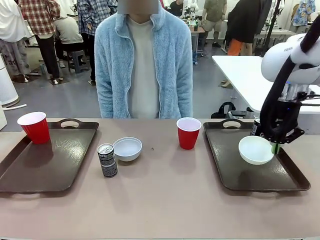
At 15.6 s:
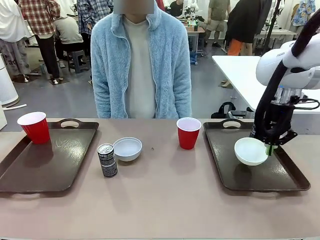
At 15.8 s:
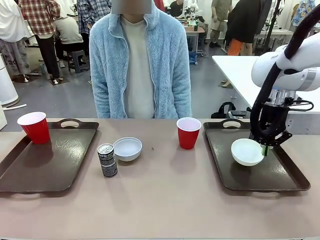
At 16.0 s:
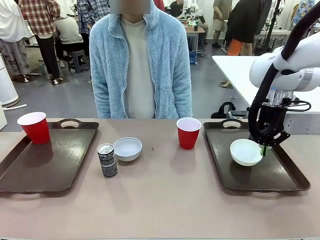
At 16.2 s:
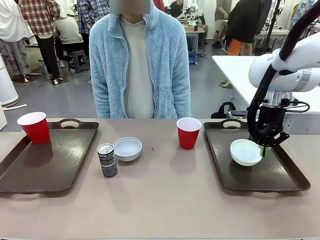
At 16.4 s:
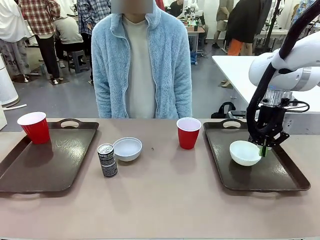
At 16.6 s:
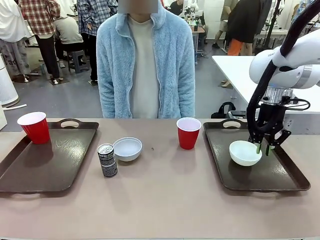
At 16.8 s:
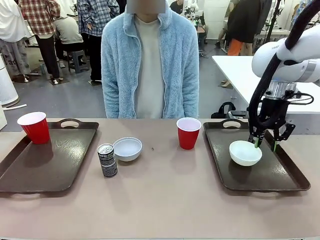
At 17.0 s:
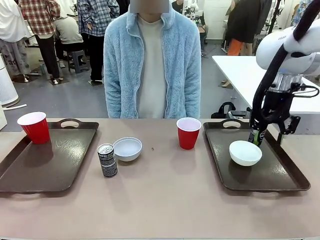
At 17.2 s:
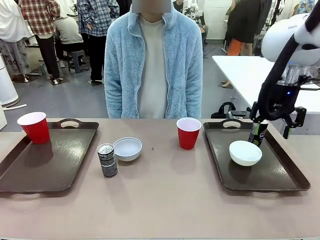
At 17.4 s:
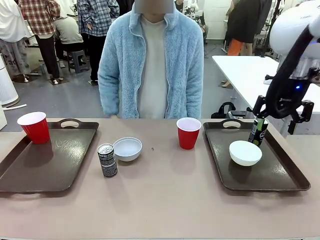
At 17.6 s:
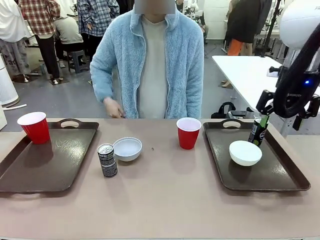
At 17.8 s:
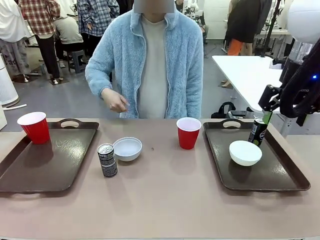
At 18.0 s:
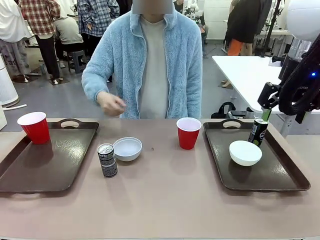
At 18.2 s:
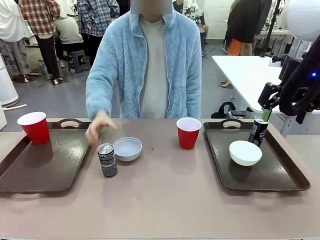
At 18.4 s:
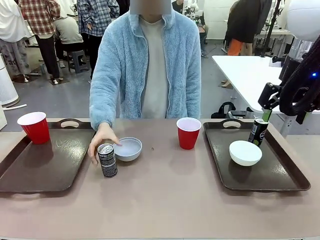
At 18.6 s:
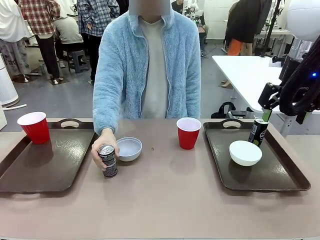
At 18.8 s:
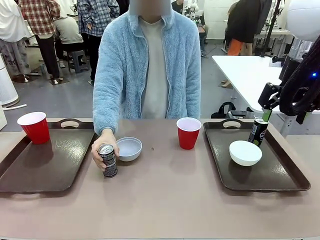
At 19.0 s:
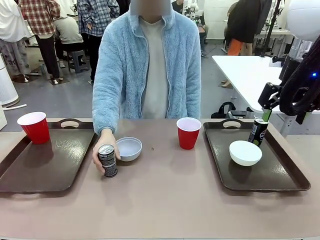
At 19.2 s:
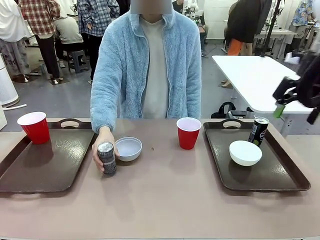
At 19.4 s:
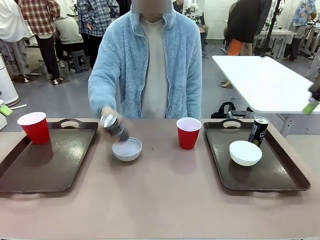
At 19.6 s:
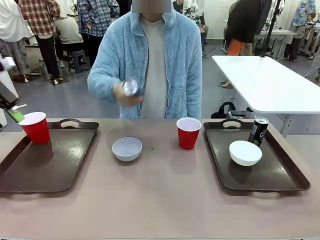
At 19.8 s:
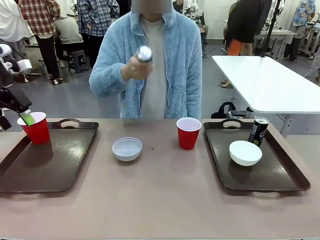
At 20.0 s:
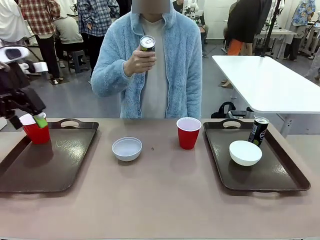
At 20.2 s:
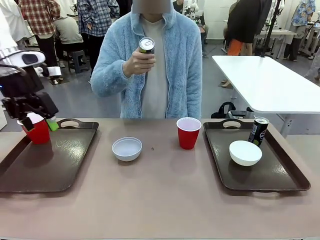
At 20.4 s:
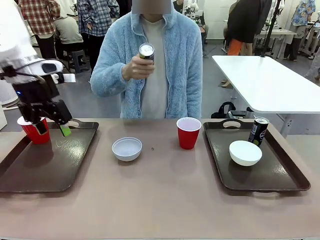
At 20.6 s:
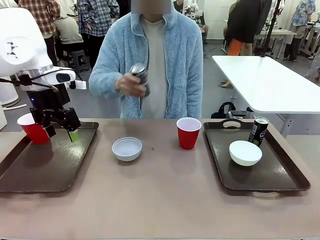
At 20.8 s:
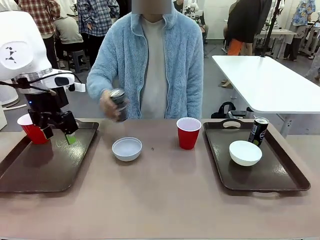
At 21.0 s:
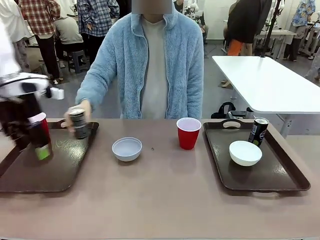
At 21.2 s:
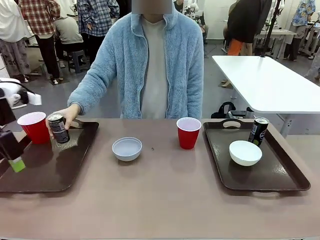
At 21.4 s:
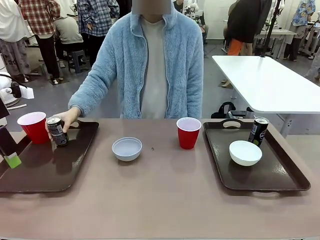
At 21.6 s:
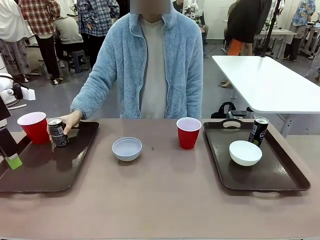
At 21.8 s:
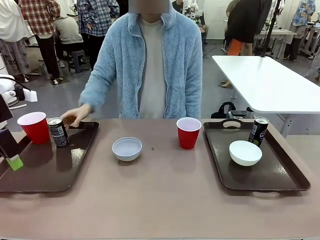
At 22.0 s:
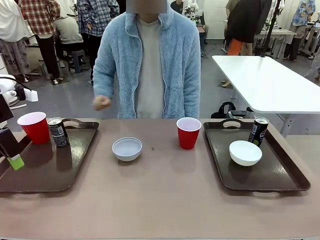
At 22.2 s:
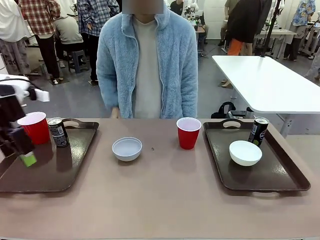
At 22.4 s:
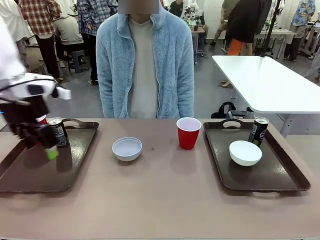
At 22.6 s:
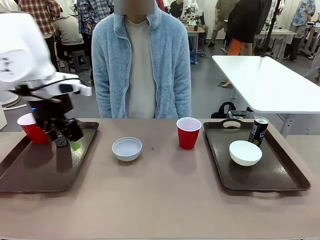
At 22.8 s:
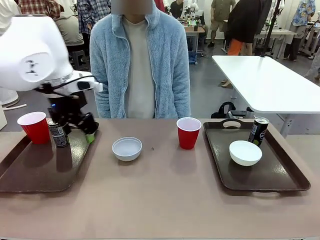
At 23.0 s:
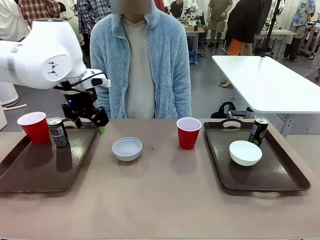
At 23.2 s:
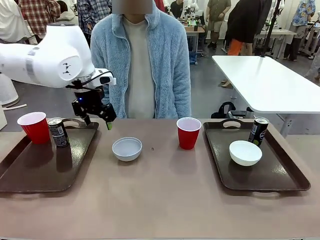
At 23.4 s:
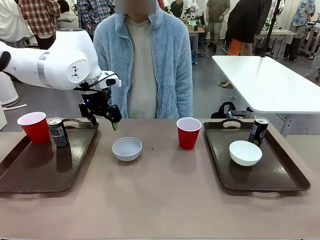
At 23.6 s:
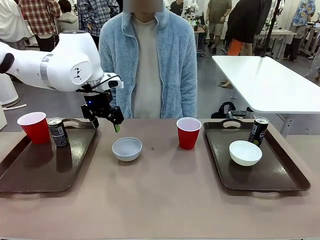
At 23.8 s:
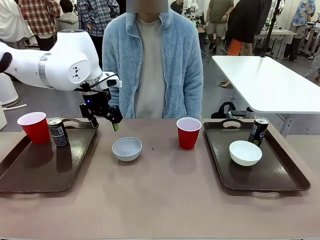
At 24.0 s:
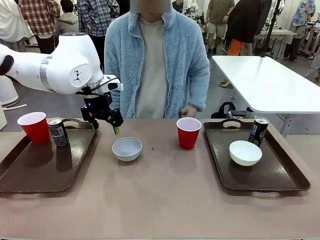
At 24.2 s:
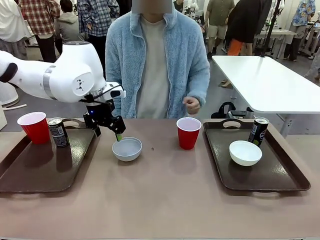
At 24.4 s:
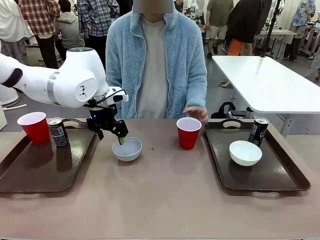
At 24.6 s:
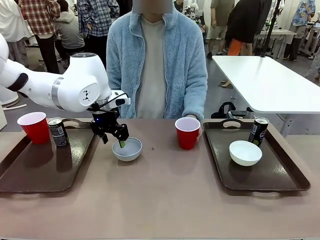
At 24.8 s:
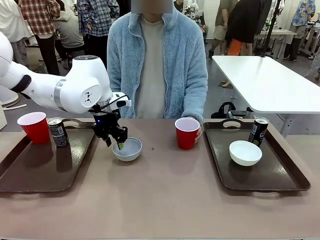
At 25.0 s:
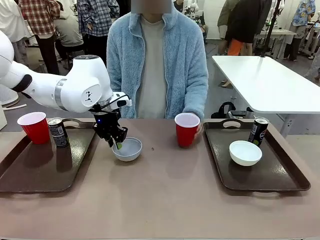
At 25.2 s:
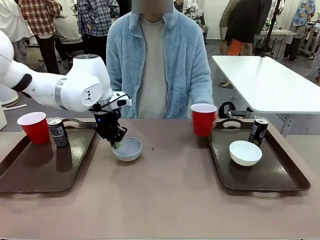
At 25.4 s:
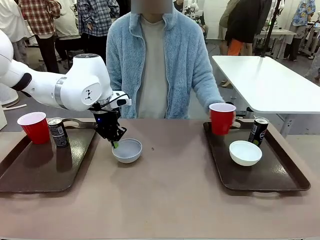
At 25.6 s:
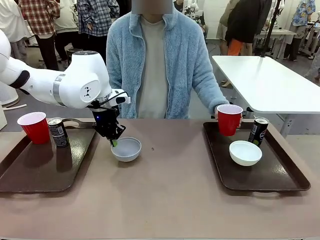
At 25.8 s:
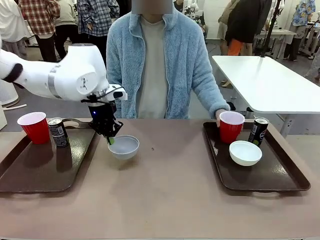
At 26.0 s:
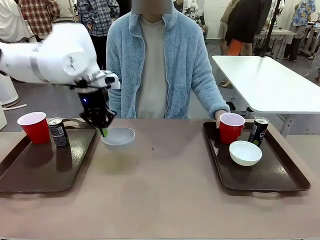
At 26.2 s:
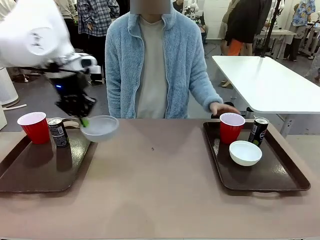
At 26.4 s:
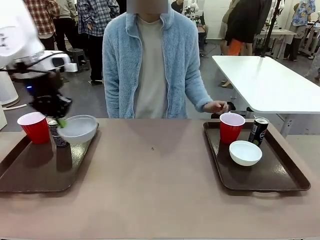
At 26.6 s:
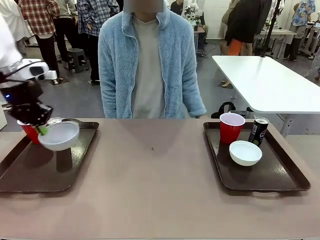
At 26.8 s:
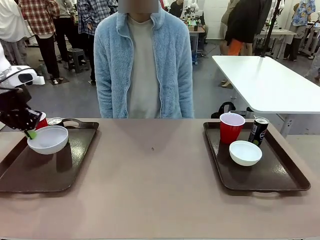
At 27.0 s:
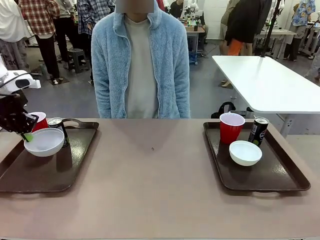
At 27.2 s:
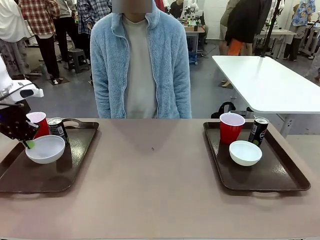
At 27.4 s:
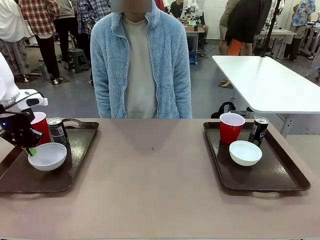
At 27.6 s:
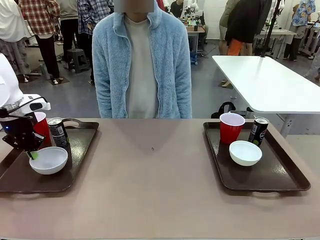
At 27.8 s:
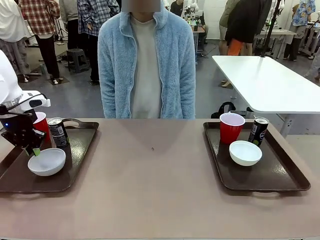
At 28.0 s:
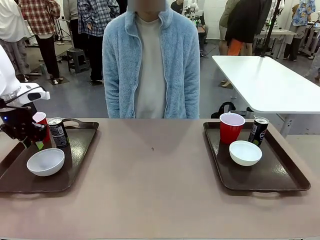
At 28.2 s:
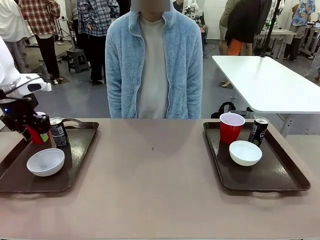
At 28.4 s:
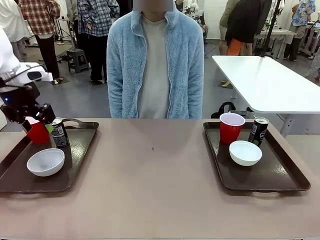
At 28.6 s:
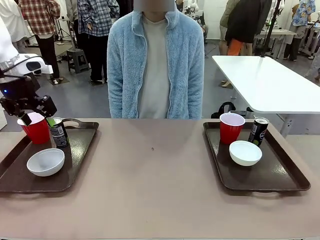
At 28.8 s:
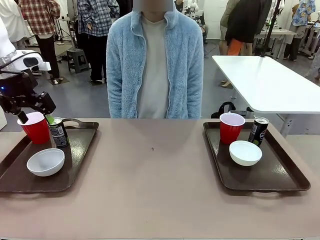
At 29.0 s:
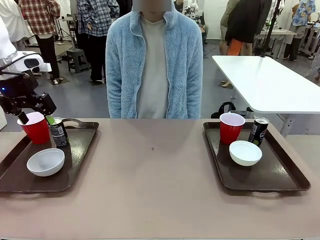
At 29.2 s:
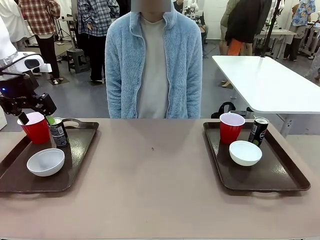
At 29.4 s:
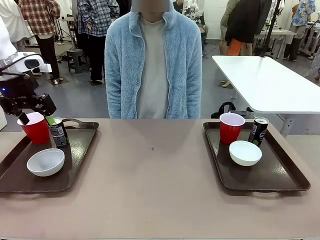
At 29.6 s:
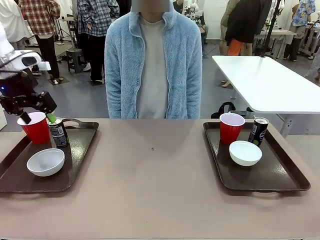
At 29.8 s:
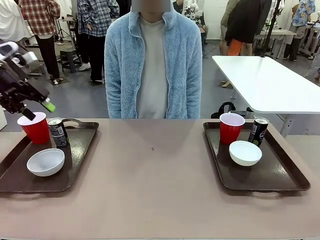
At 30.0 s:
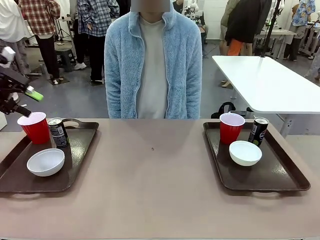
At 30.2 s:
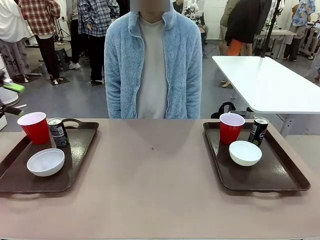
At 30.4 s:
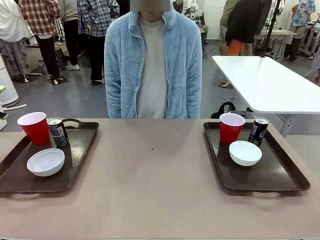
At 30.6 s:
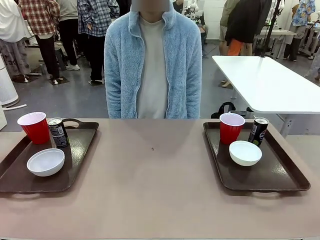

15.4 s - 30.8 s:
Task: Prepare tableware on both trays.
Robot: Pick up a Picnic Bowl from the table and place it on a Handle tray.
Person: Pick up a can or cup and place it on the tray without a can or cup.

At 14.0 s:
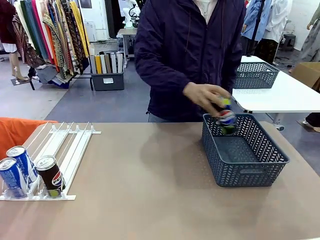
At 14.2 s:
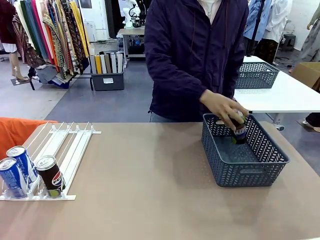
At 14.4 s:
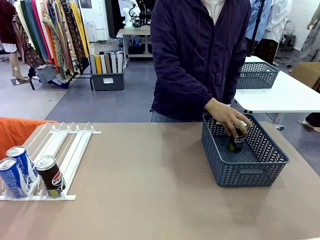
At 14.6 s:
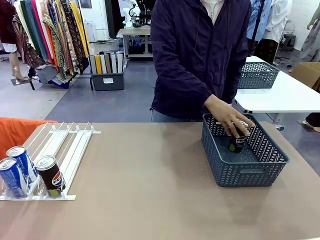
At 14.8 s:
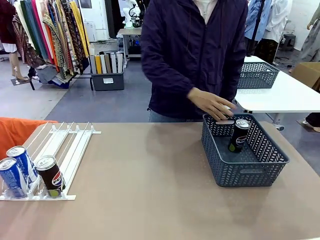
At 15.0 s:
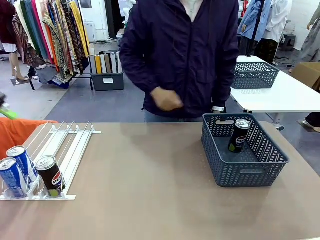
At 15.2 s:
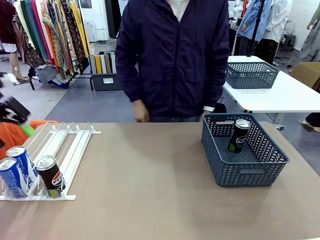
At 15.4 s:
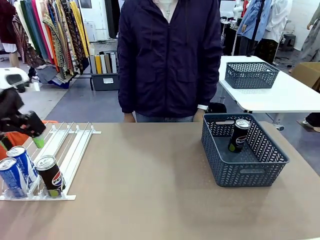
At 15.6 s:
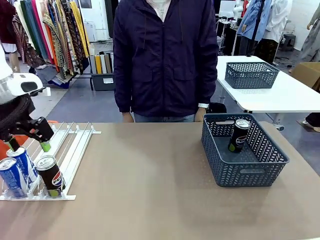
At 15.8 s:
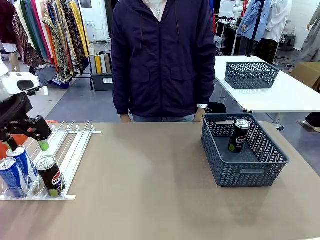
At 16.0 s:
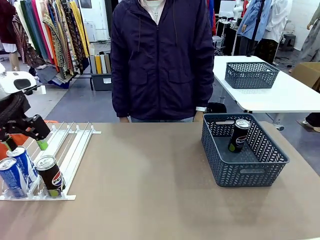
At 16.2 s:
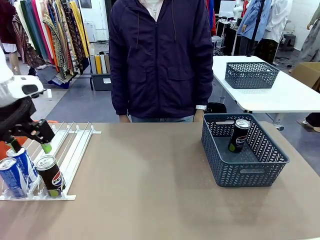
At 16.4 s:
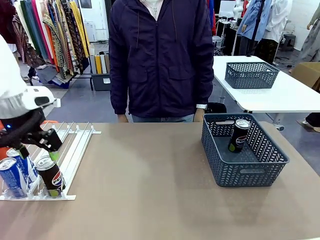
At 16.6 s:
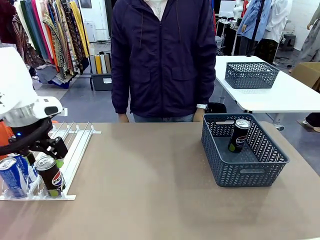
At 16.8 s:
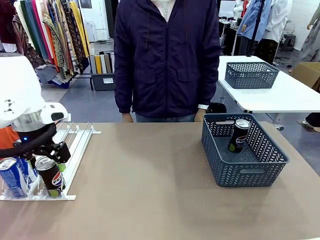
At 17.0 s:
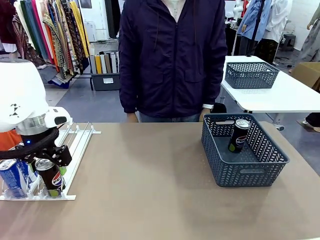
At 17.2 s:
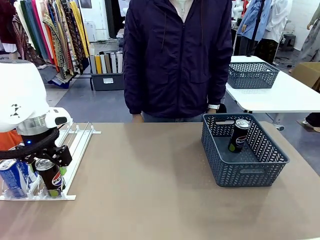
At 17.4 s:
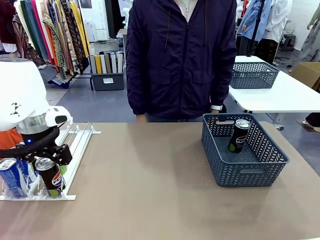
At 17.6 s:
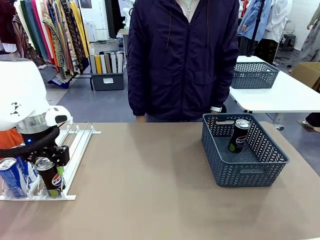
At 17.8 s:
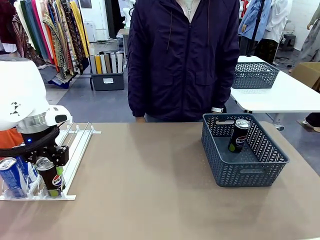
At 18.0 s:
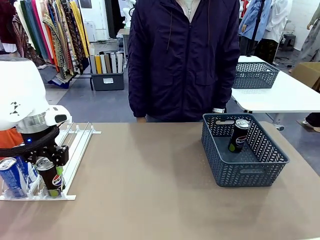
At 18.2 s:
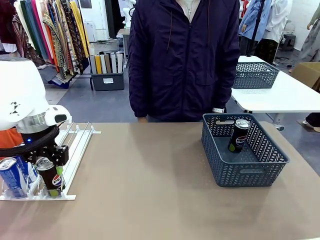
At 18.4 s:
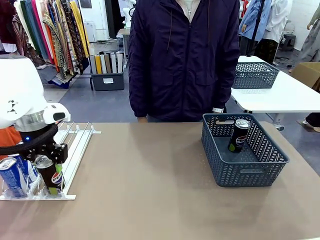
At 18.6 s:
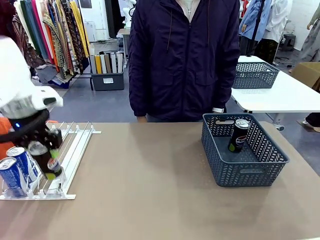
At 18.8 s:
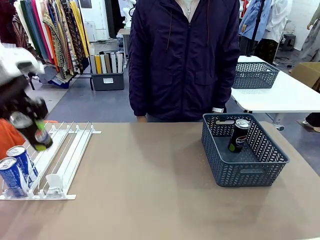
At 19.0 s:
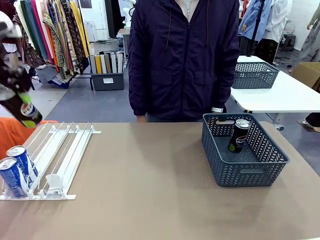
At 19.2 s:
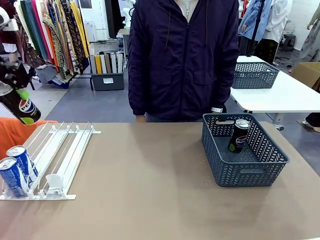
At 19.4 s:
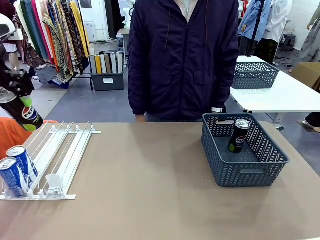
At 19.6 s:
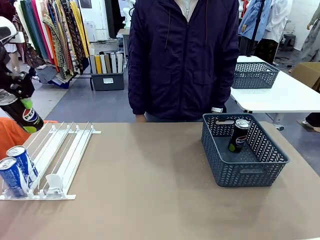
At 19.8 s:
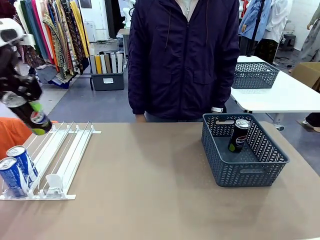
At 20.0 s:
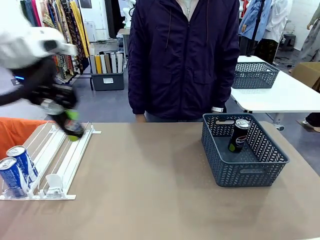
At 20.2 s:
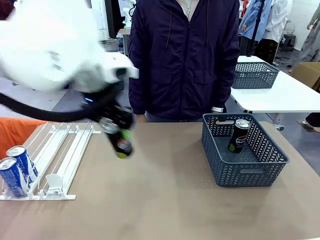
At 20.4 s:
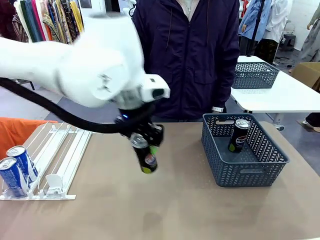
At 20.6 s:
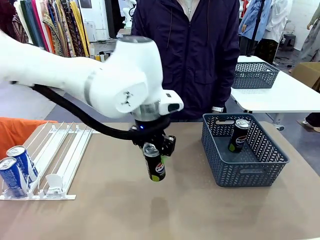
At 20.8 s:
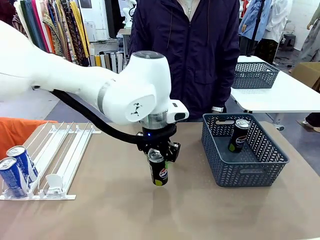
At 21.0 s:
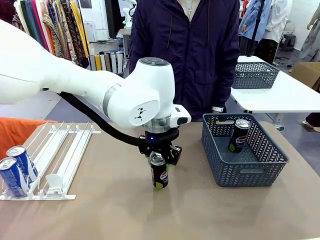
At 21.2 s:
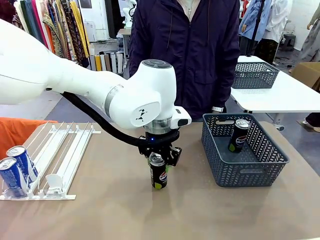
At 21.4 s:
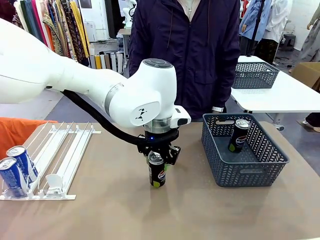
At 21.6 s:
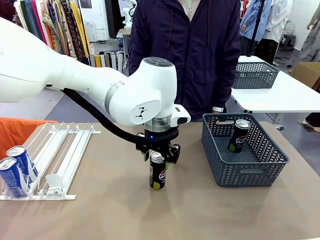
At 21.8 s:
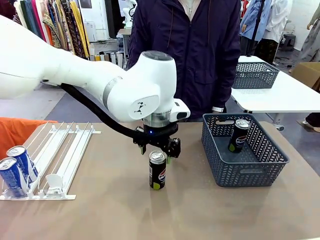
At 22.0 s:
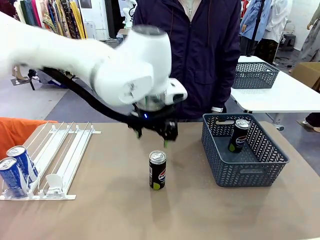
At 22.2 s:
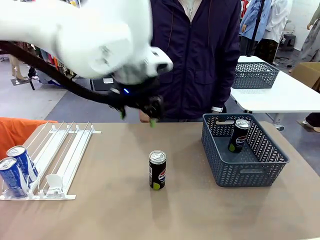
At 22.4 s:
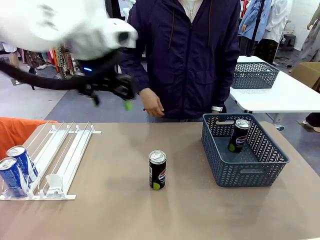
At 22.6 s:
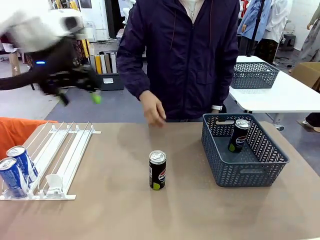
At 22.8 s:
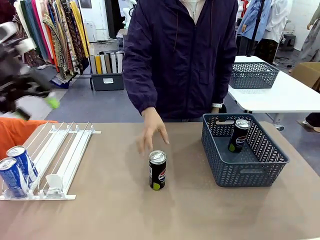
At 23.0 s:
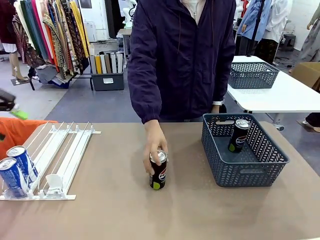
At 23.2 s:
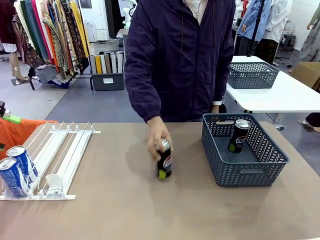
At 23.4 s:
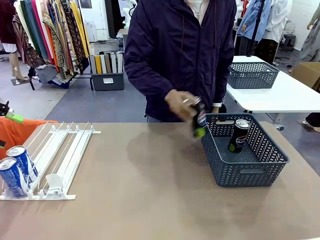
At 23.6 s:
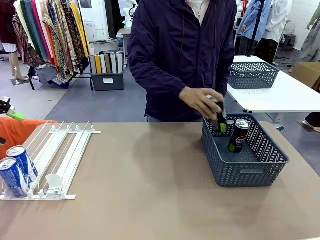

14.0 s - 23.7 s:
Task: Retrieve and store the cans from the dispenser.
Robot: Pick up the last remaining can from one row of the Automatic Can Dispenser and place it in the middle of the table.
